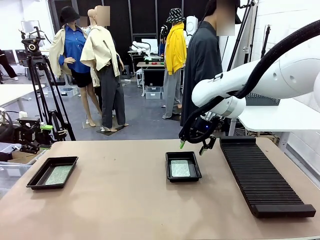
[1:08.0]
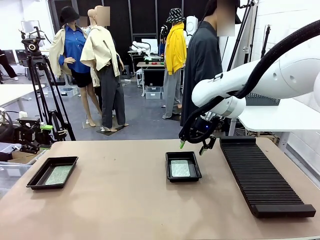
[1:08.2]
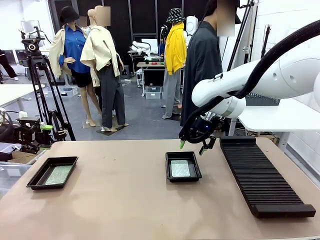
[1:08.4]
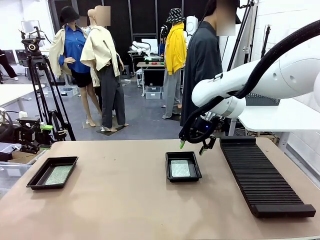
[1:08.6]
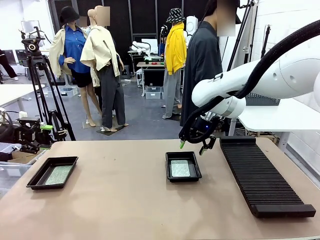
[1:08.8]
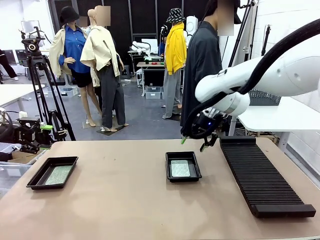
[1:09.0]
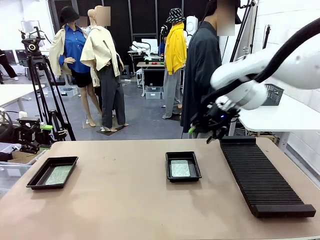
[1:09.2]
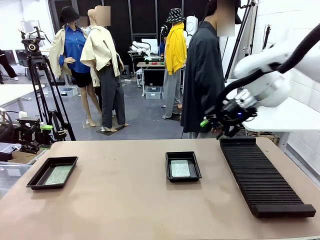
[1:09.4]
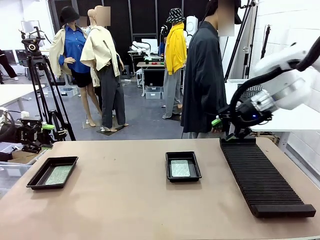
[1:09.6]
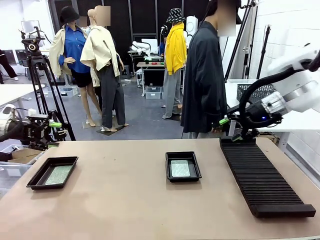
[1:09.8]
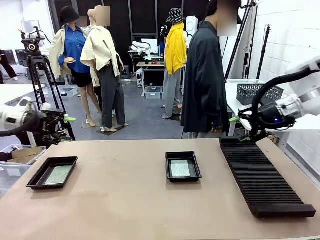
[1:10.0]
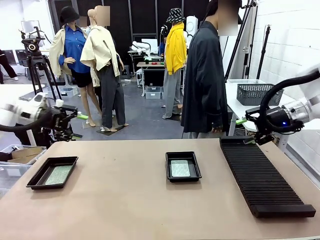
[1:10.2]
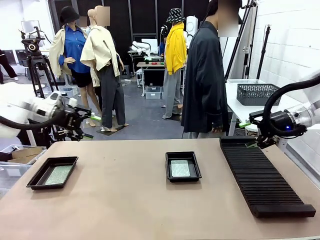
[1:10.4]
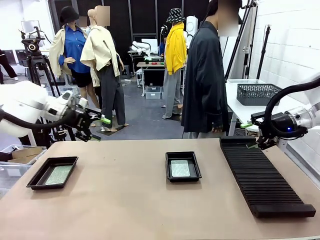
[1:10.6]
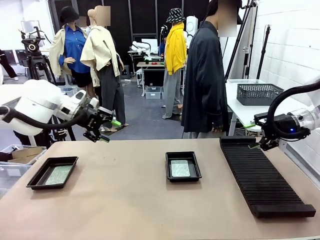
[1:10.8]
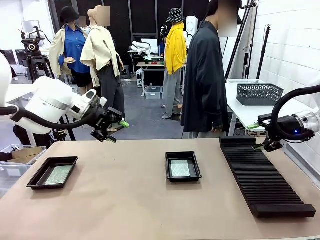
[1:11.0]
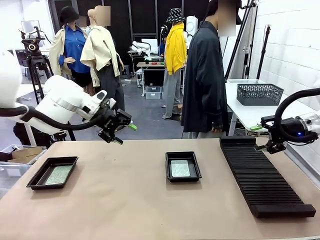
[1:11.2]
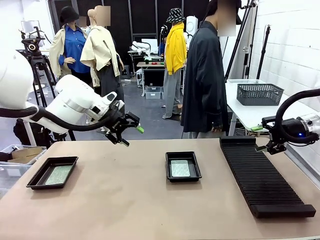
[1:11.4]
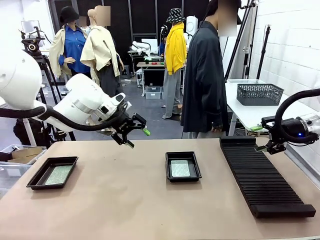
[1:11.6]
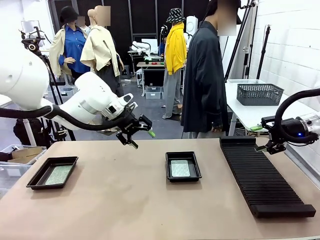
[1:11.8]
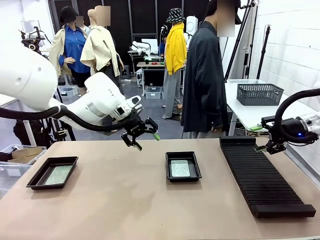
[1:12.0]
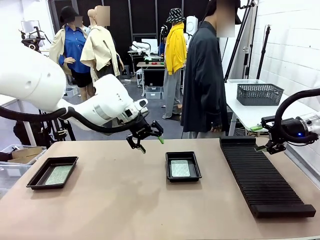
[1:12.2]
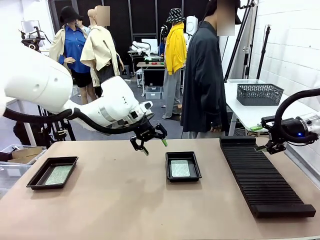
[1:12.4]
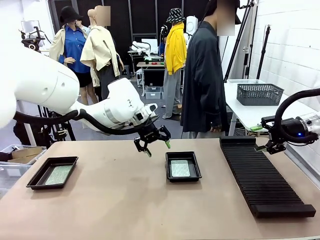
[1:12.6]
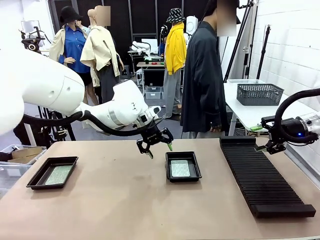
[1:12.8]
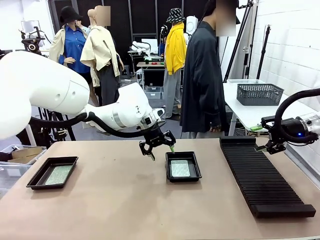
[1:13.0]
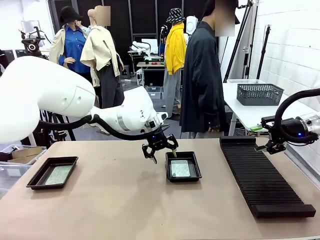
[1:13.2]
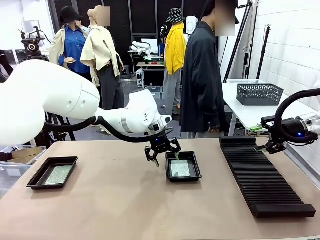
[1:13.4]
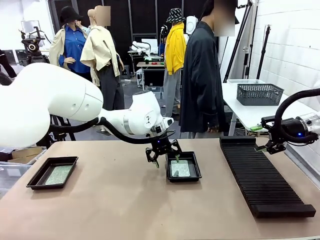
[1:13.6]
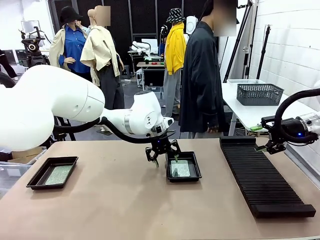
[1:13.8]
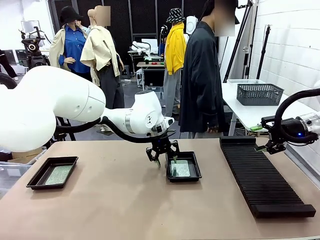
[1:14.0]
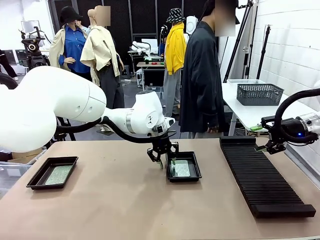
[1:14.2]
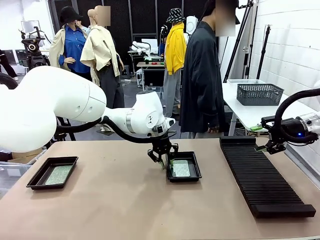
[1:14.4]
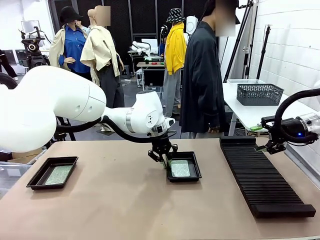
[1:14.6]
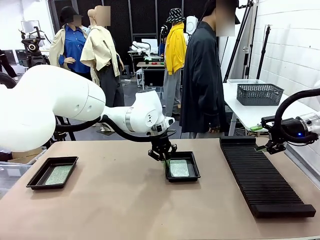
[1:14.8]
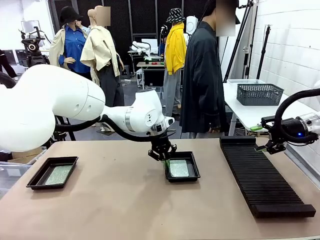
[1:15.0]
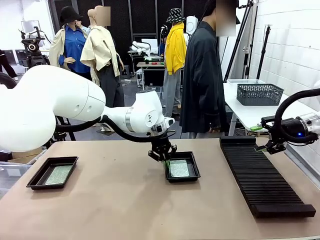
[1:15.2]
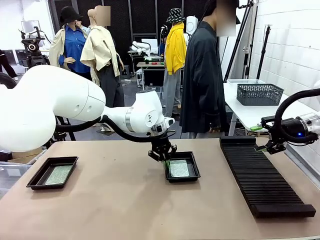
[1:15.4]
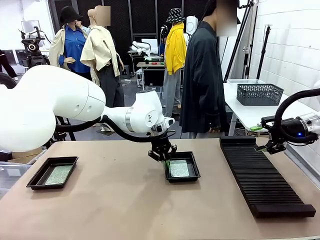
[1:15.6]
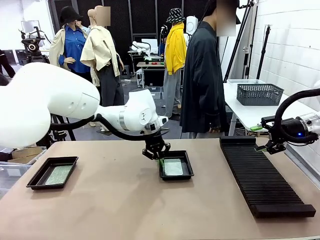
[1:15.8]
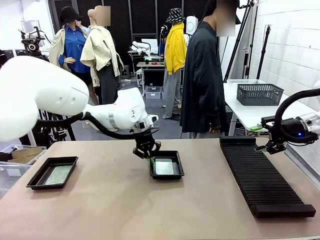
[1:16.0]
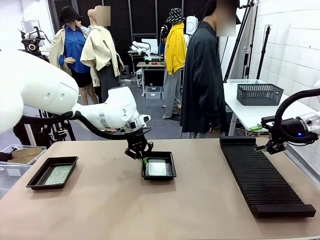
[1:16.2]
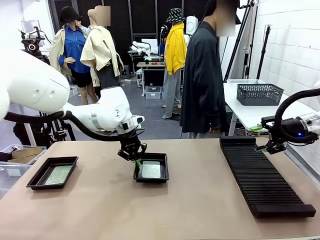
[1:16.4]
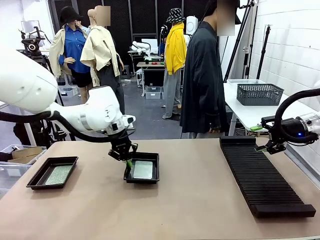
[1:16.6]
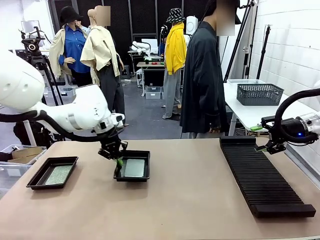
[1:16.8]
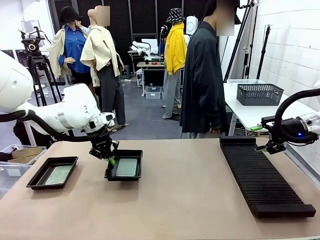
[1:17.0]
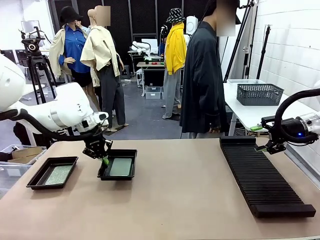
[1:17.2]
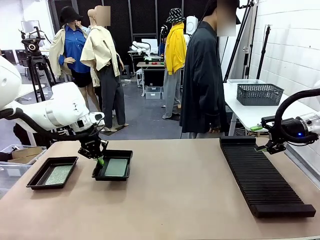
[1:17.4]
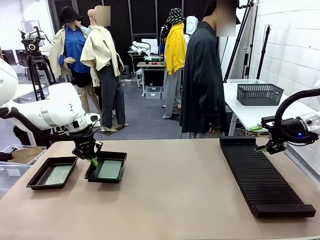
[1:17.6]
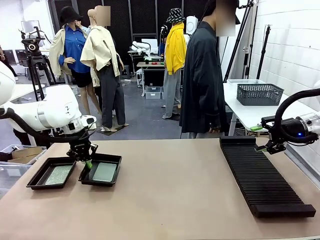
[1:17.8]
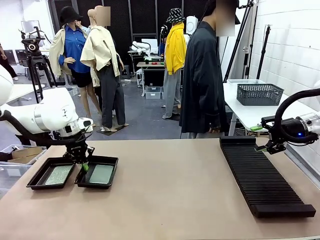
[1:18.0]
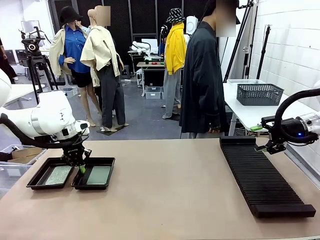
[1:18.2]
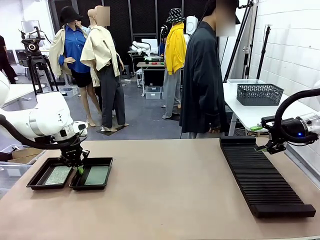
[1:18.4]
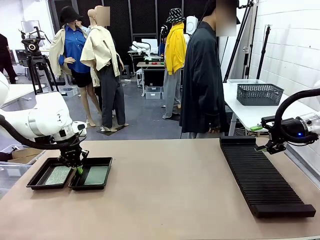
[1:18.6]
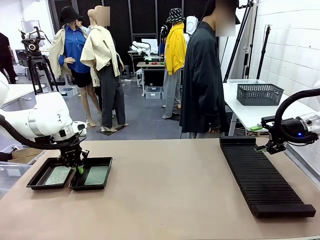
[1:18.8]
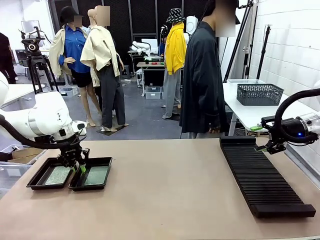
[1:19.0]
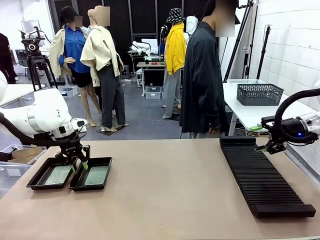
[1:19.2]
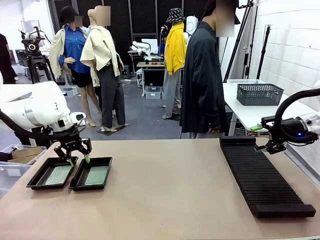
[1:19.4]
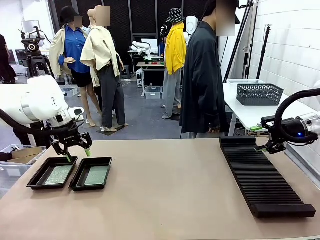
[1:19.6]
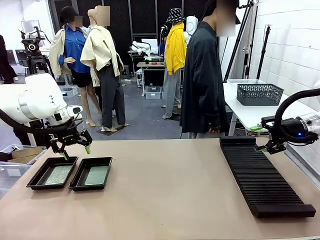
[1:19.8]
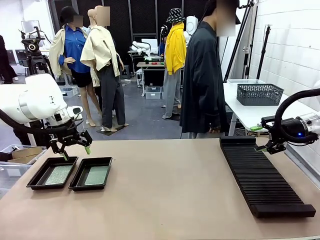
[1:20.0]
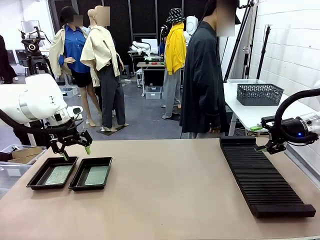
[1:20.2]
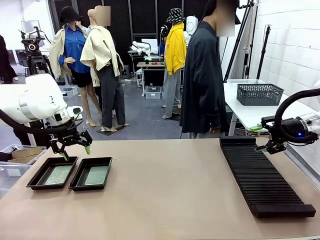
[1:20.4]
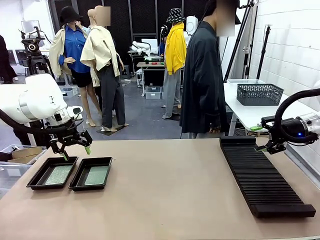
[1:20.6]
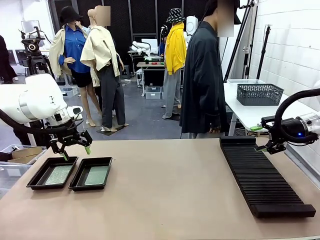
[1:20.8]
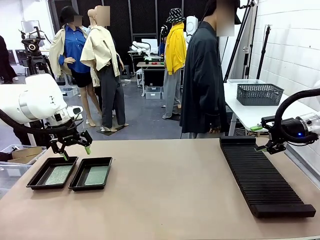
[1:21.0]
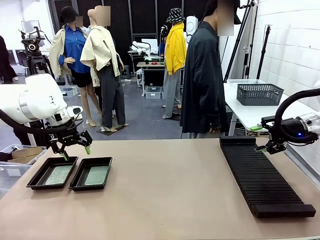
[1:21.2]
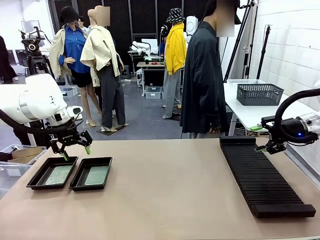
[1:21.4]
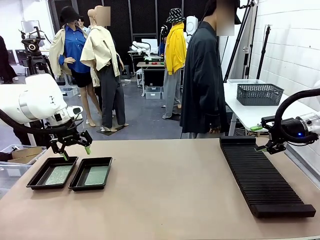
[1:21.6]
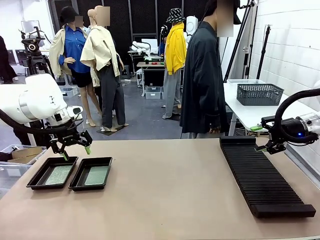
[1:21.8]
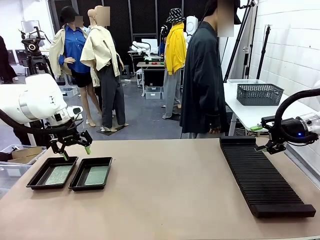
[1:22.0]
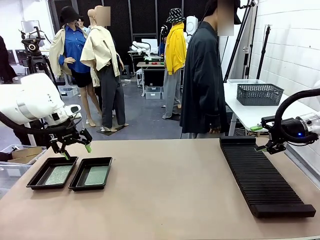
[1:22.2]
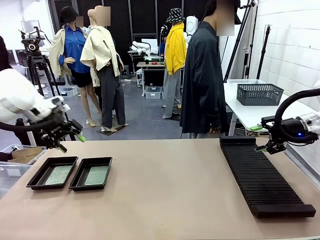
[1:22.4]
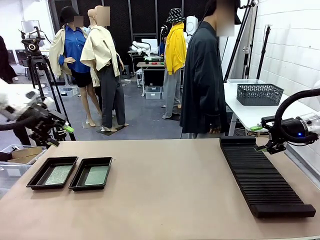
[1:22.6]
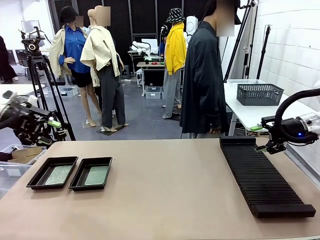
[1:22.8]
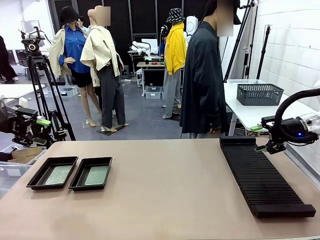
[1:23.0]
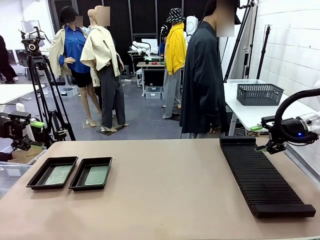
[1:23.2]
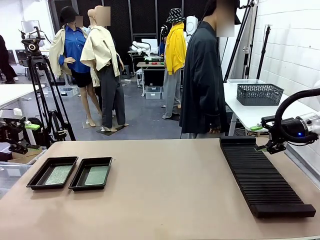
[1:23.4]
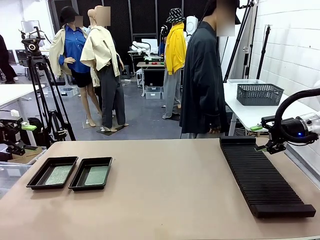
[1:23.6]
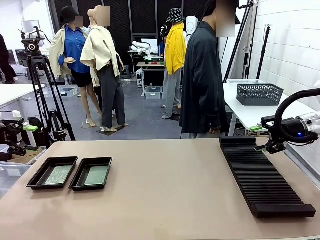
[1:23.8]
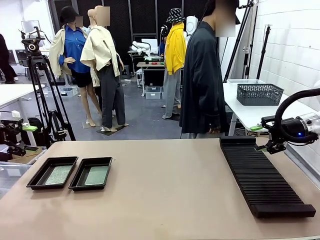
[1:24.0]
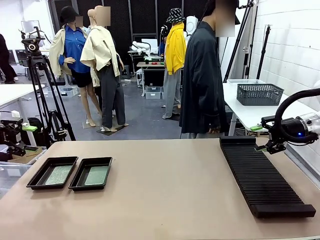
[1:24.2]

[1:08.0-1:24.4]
Task: Inspect and transfer BCBs to ESD trays.
Robot: Pick up the ESD tray and place it on the left side of the table.
